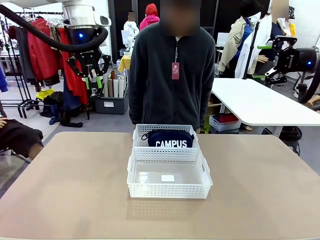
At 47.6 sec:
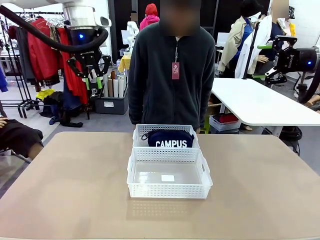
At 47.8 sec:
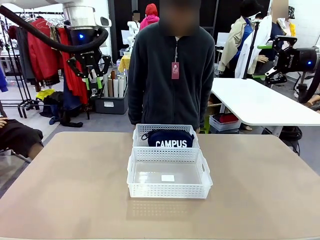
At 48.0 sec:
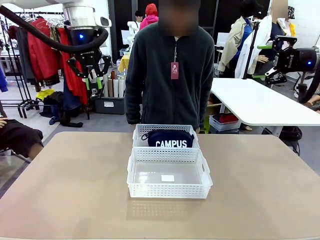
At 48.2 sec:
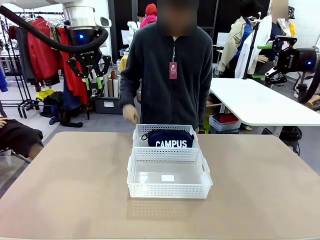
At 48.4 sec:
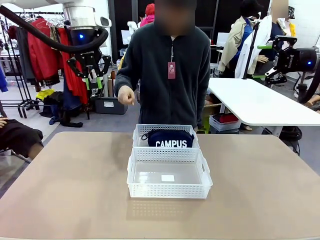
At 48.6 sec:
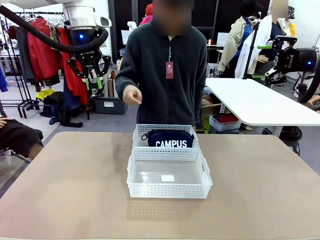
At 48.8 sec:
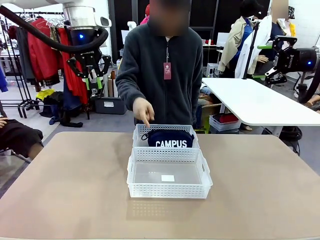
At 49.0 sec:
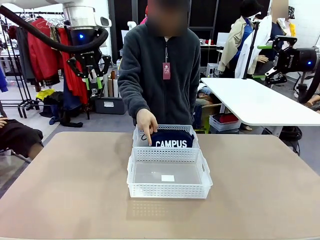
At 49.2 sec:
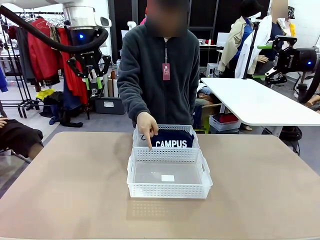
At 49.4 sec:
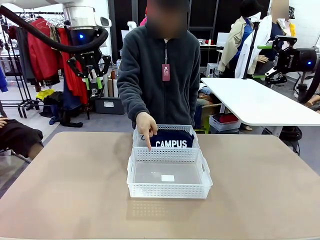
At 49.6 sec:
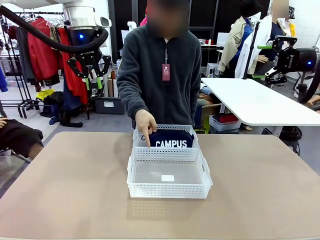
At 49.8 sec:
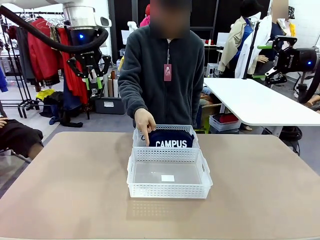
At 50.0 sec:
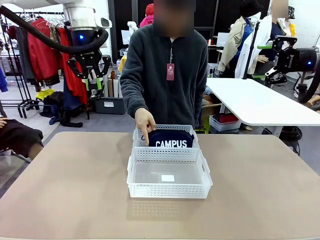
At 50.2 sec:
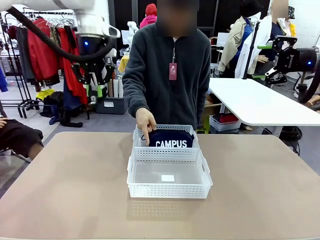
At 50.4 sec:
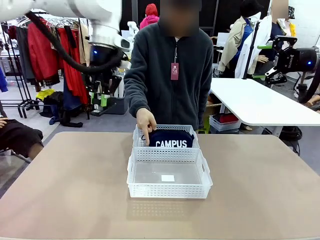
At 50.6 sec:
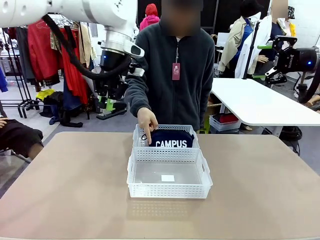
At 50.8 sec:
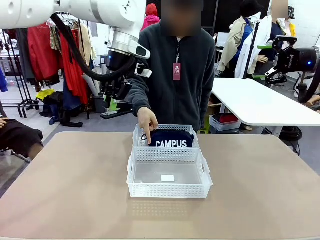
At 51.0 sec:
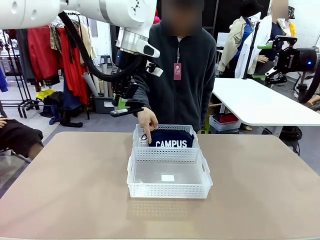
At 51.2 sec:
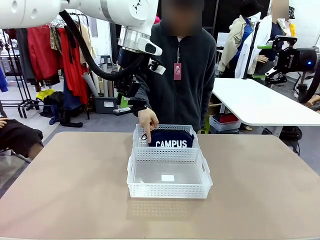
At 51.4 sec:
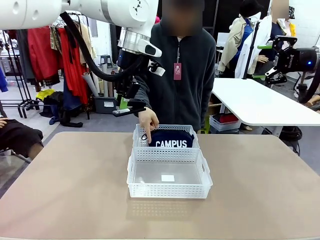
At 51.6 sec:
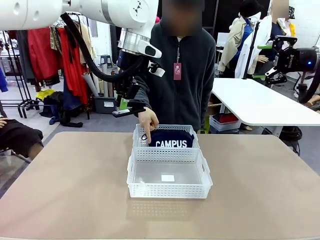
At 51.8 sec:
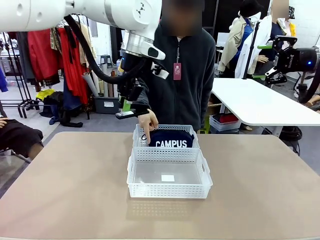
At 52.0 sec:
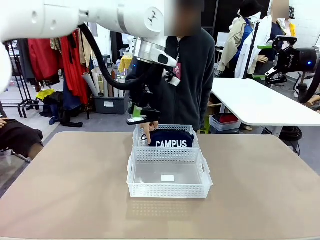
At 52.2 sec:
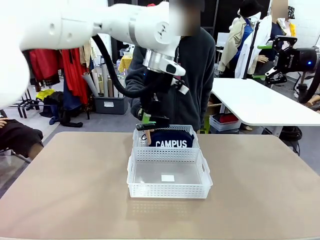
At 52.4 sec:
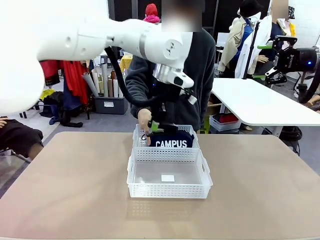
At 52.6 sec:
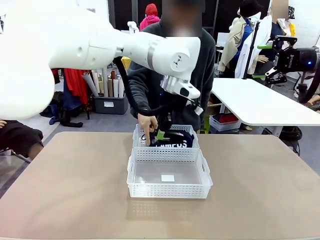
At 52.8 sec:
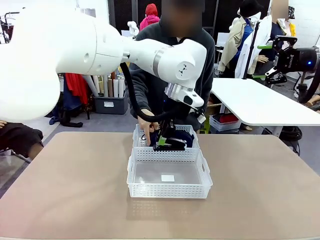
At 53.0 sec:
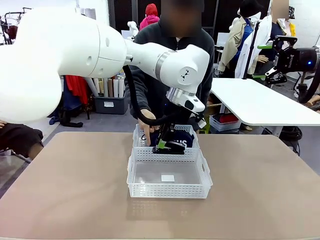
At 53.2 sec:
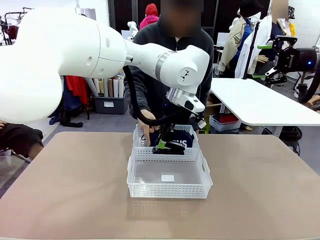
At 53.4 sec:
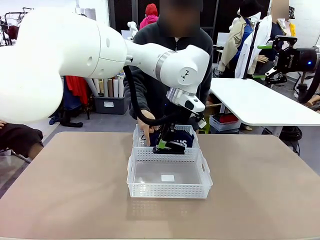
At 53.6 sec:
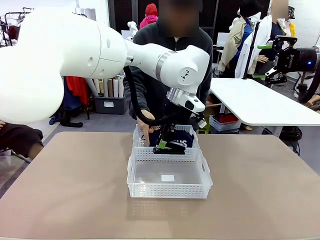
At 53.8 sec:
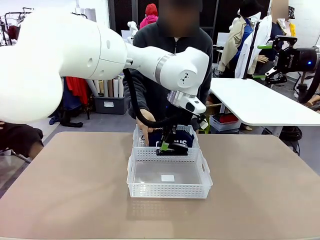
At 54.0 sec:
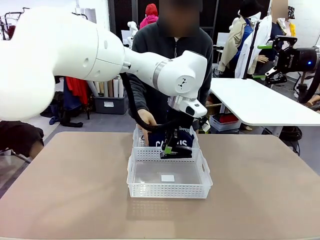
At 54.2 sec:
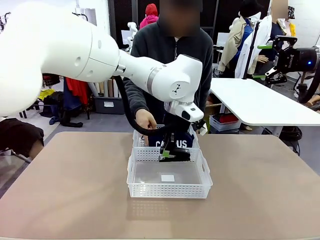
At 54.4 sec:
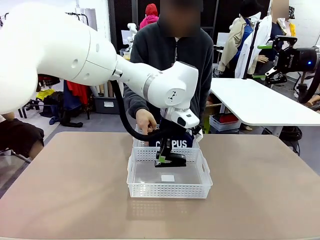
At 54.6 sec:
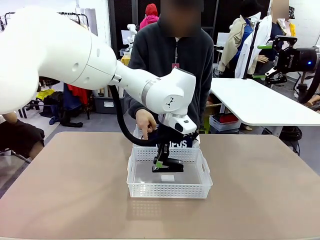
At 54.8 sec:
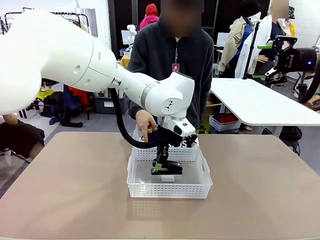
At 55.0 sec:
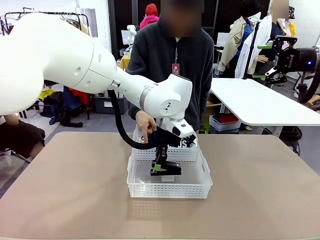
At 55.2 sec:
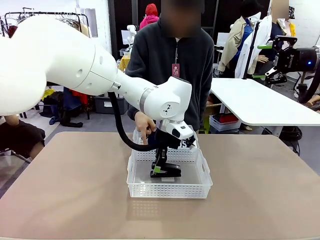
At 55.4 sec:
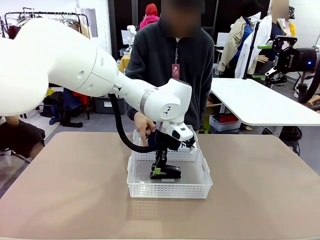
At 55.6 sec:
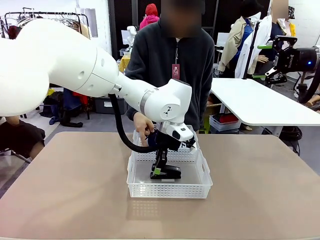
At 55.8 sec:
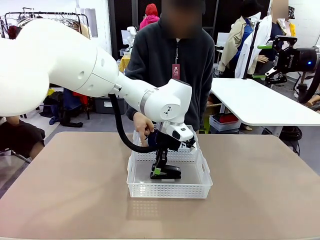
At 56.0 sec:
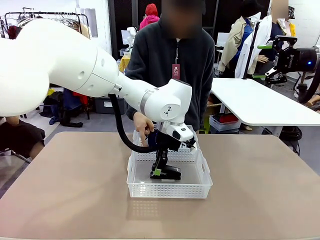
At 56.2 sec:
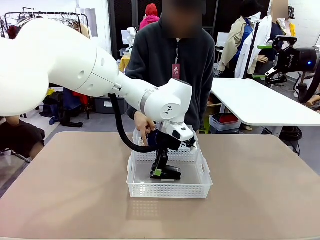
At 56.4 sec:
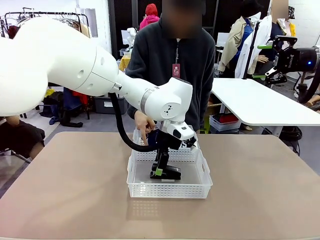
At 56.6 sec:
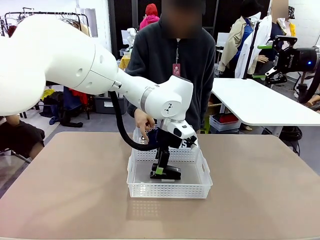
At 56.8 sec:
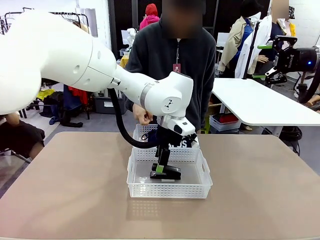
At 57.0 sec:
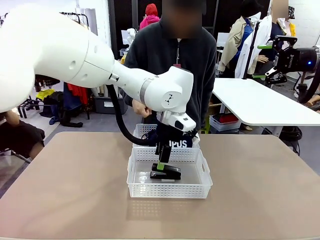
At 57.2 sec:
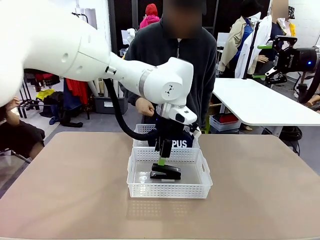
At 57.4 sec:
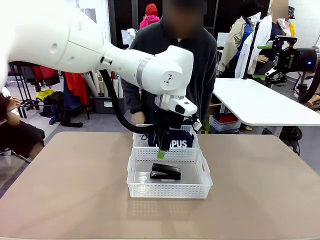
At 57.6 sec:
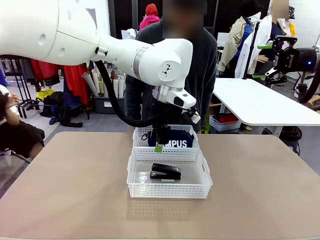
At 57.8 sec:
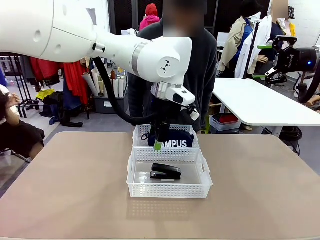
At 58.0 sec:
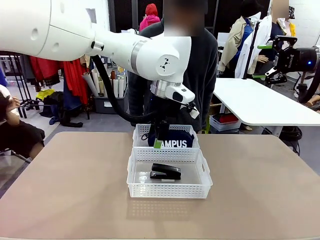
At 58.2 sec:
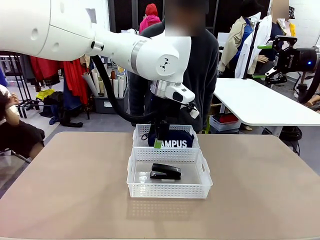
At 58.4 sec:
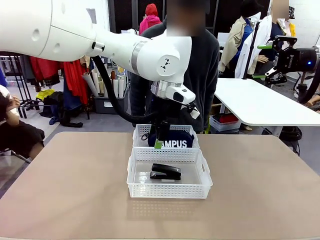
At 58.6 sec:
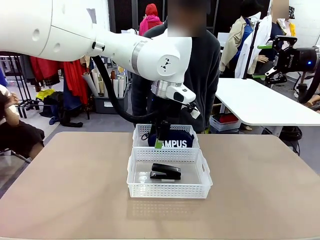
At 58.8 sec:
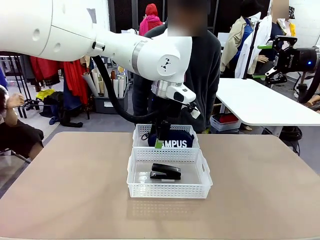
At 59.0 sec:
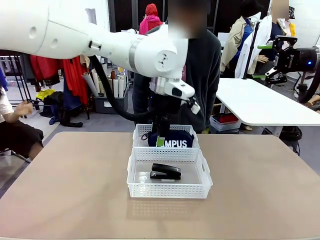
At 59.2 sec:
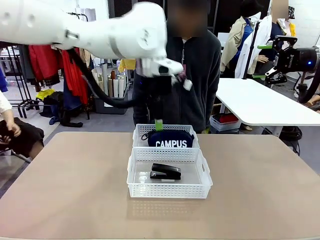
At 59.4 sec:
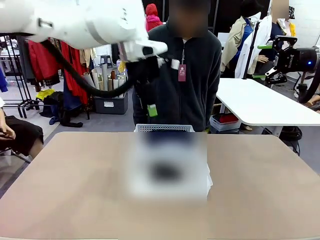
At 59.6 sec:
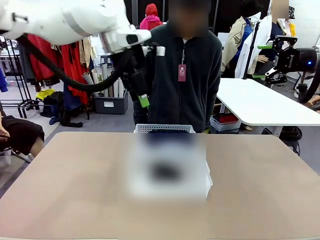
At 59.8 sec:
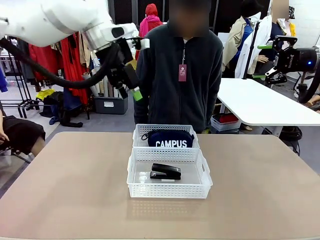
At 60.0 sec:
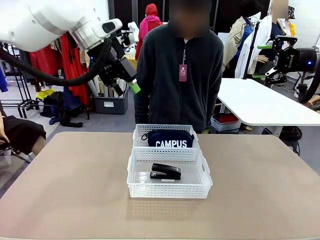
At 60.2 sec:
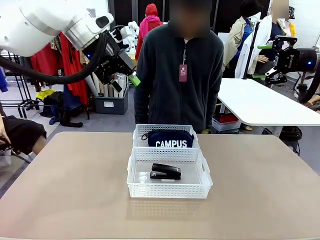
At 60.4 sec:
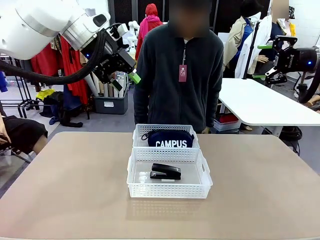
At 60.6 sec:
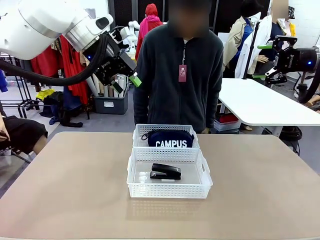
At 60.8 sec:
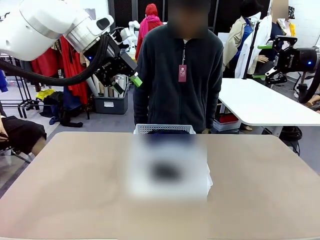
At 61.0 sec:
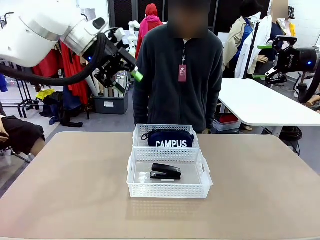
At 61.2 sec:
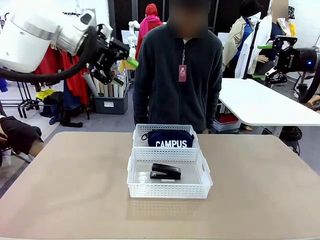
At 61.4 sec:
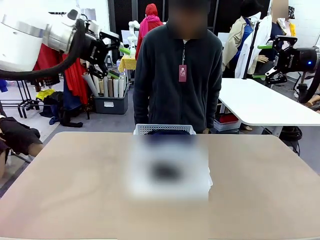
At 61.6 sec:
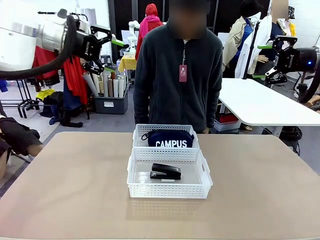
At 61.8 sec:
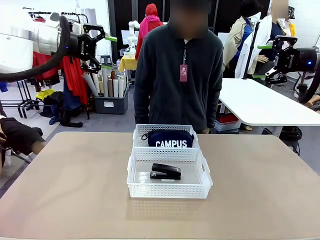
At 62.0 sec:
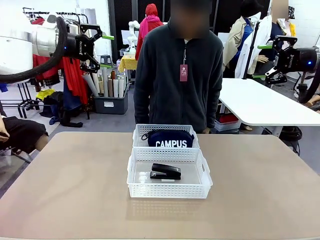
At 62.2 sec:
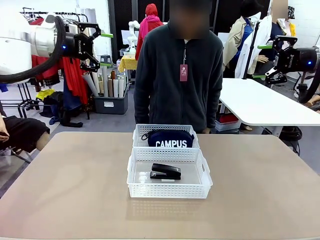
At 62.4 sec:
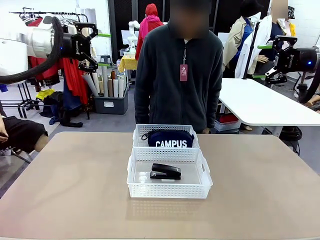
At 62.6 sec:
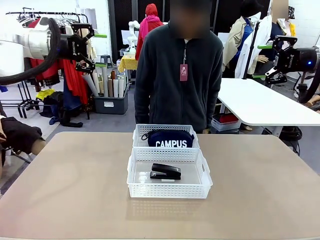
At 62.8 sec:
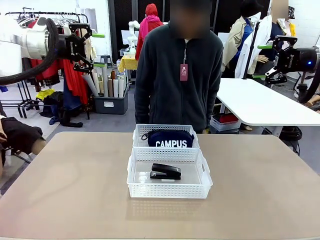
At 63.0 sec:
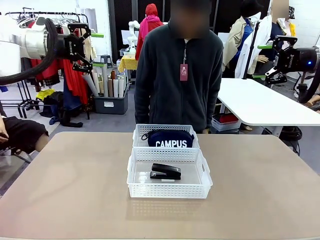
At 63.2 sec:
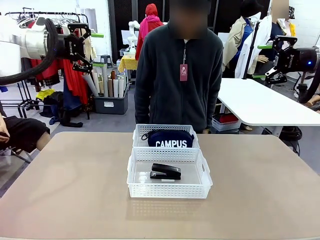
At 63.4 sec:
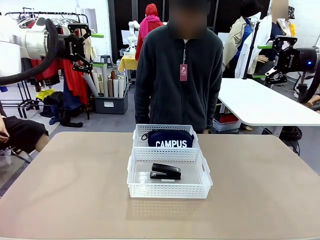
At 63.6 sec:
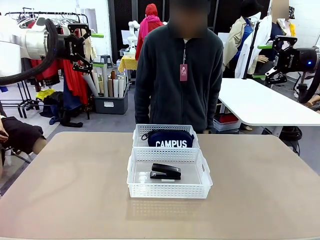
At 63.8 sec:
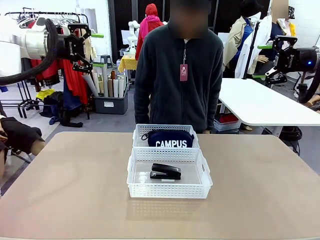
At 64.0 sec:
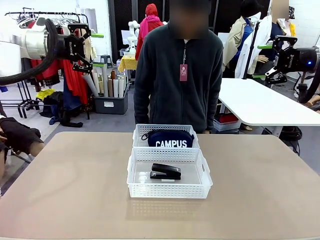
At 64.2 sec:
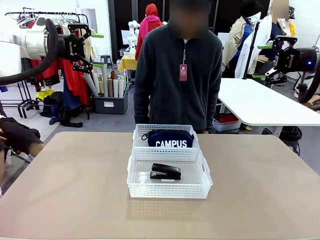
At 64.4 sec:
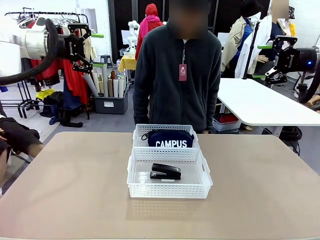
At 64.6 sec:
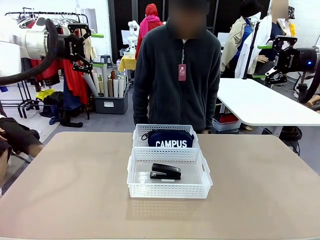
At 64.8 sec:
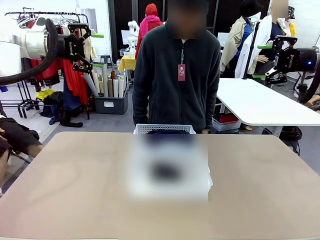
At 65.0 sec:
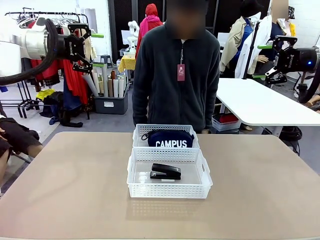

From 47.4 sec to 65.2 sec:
Task: Distribute items into two baskets.
Robot: Place the picked Stapler into the Organizing basket as instructed by the person.
Person: Points to the basket that does not contain the pencil case and instructs the robot to move the stapler there.
